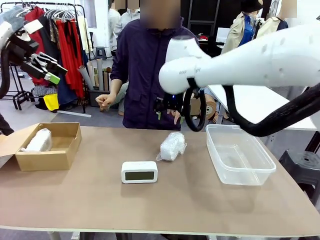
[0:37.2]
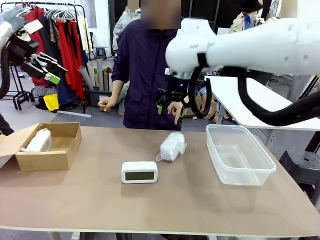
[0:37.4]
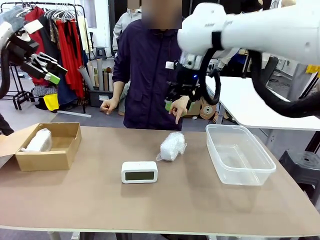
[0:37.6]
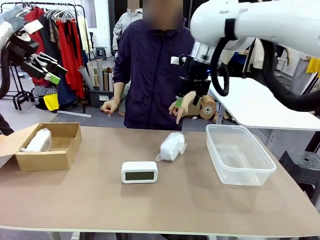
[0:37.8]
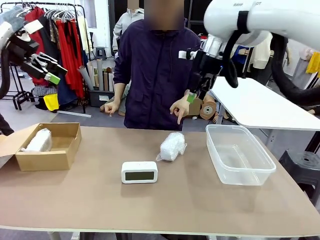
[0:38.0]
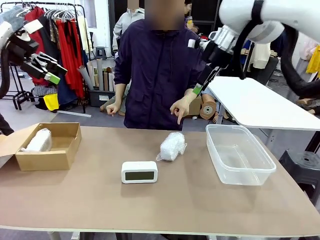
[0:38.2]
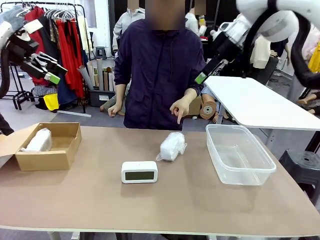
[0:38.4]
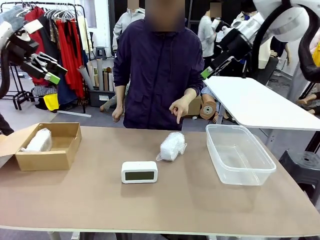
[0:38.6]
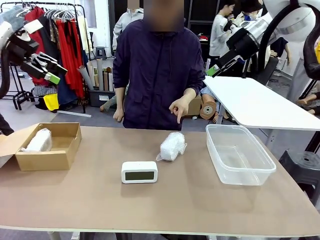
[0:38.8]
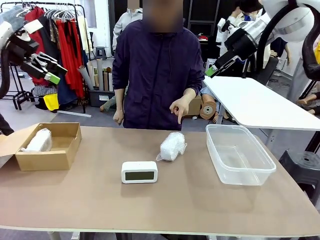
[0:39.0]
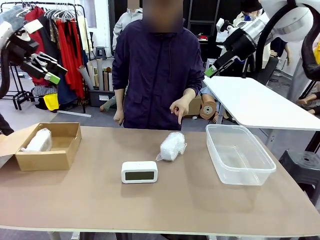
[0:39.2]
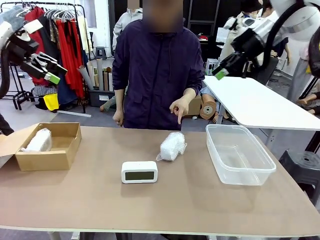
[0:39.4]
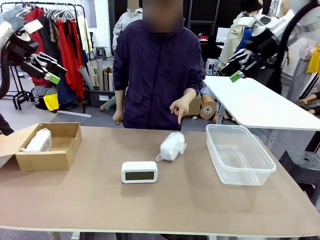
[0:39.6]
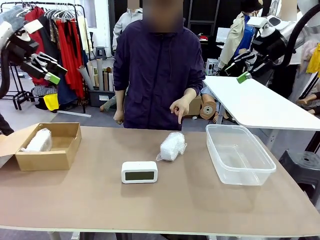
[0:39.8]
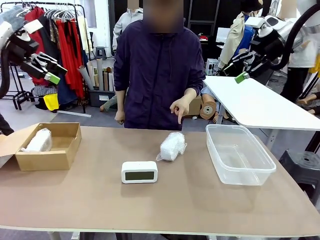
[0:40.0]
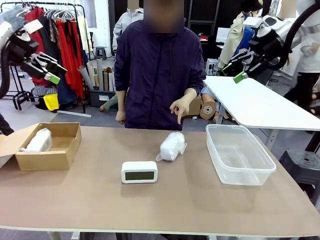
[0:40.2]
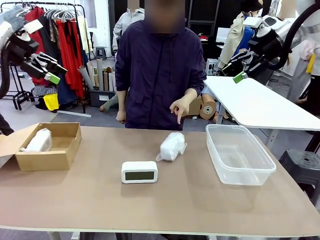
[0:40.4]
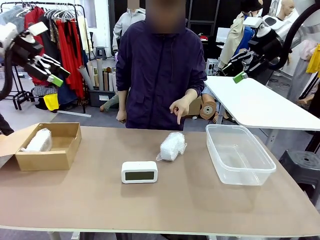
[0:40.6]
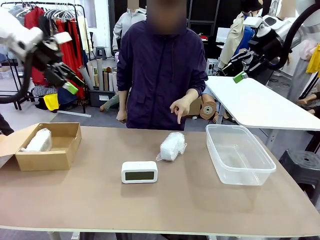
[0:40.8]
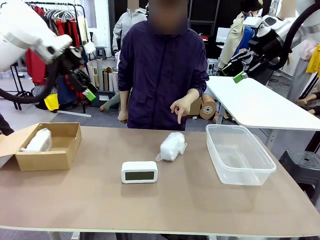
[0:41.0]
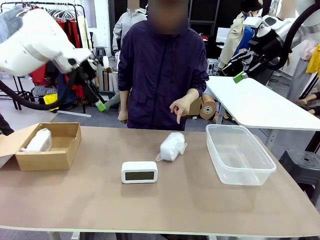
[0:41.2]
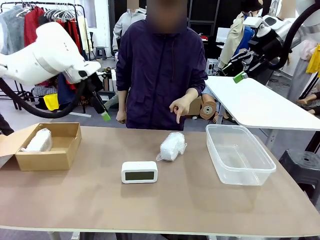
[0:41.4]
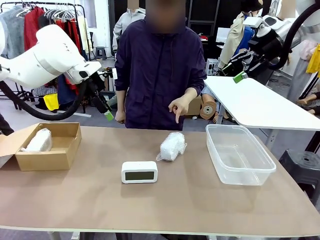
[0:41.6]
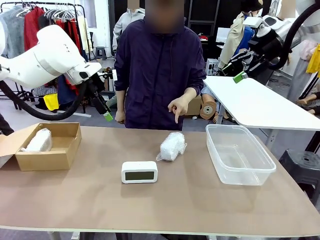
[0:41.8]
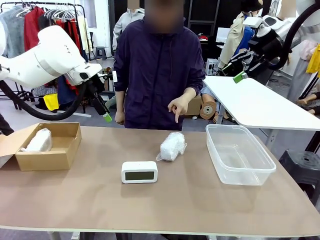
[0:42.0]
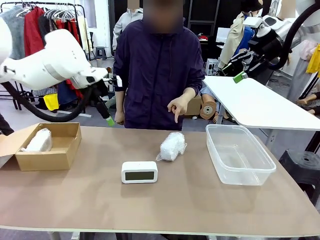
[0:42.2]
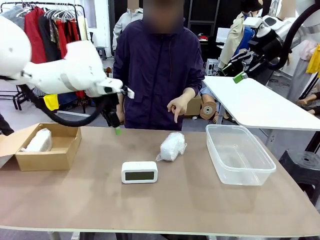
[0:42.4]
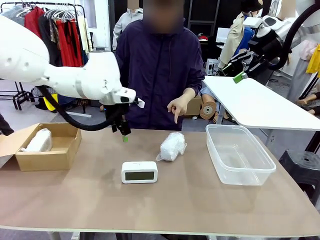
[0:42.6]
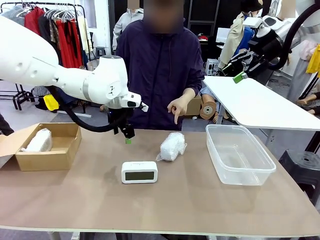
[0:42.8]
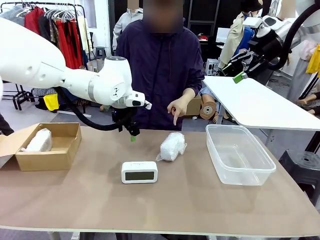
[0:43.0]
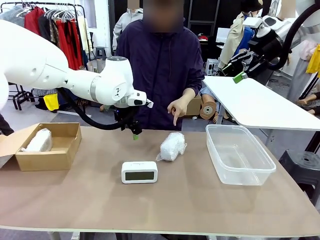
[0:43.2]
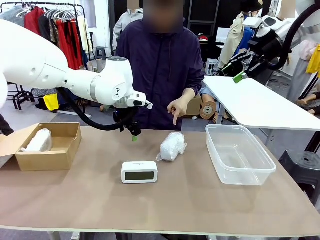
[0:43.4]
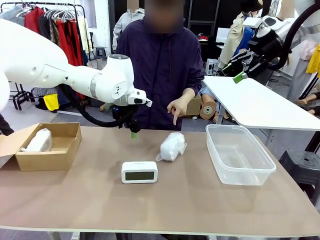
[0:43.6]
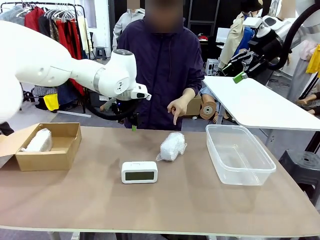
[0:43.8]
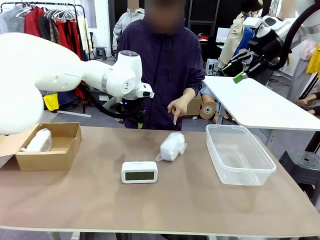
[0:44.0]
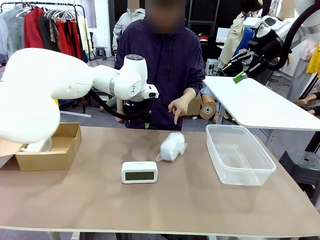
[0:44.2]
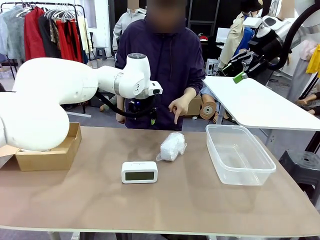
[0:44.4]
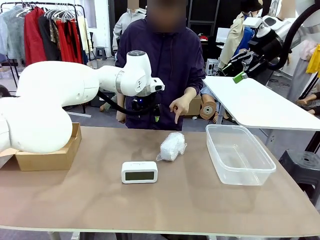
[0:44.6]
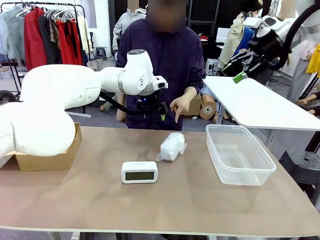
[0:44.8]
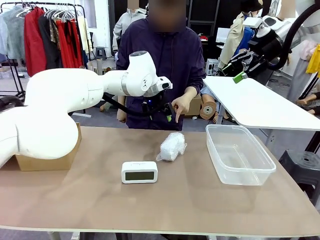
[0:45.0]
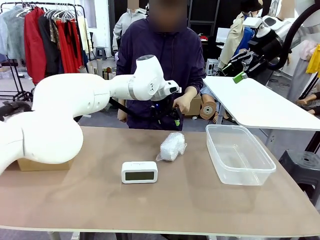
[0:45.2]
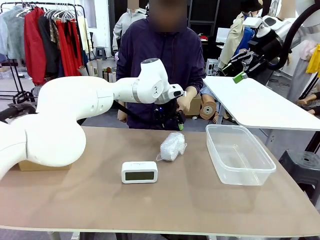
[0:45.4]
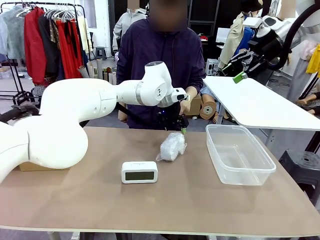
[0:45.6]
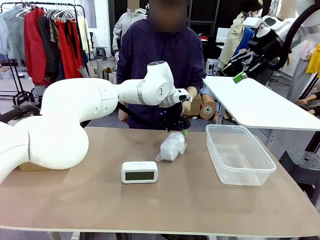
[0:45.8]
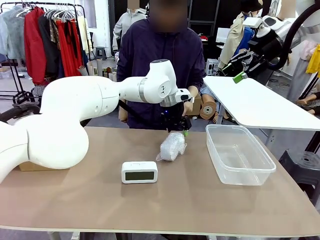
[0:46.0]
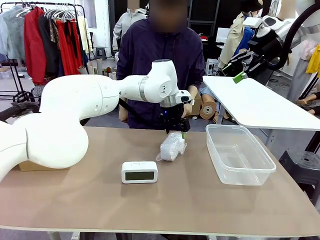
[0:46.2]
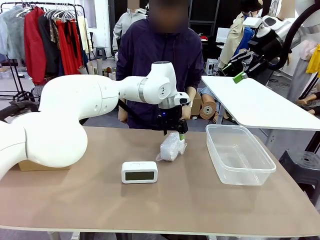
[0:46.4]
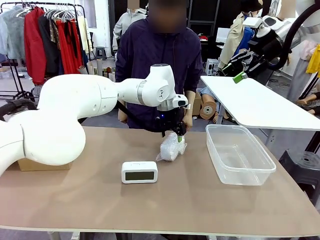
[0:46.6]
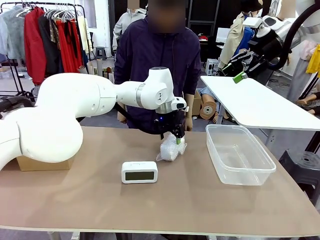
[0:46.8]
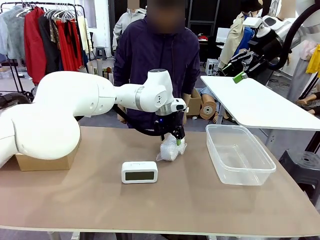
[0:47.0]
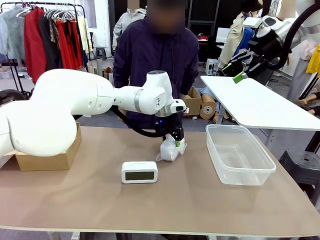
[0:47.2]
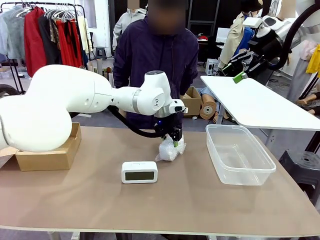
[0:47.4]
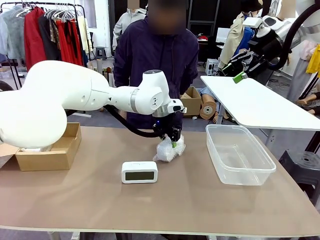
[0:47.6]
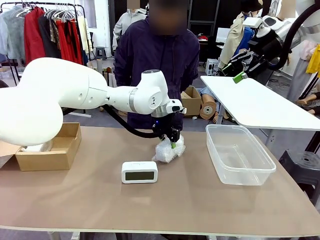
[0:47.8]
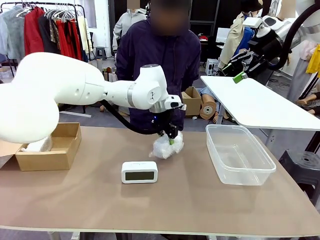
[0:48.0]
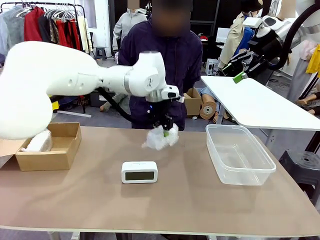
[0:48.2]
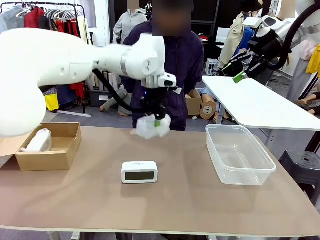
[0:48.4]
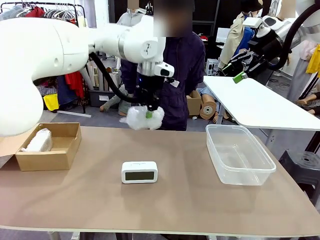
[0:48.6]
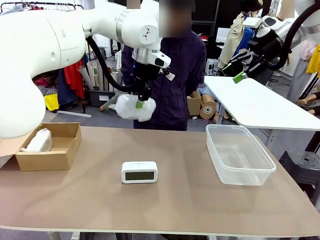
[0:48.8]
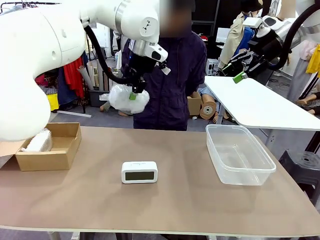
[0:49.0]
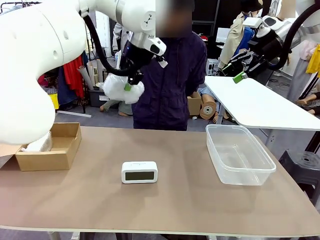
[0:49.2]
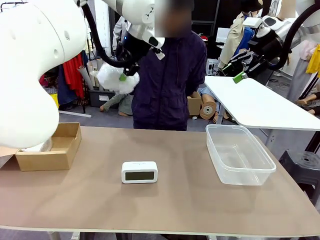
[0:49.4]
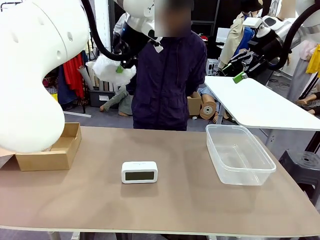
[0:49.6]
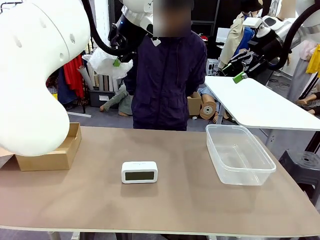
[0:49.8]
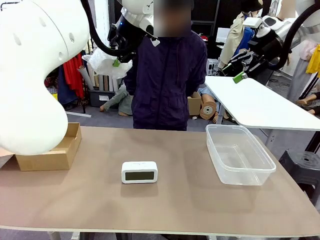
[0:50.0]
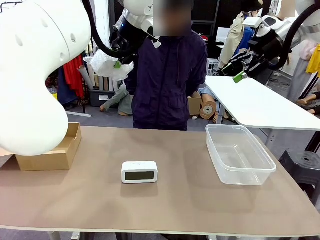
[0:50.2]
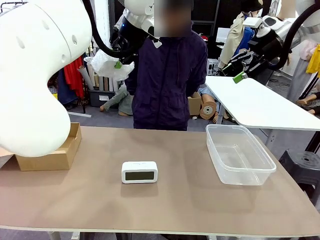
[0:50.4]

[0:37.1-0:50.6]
Task: Separate and place wrapped and unwrapped clocks.
Robot: Pick up the Digital clock indicated by the person.

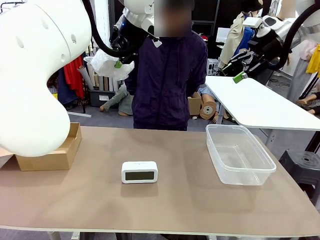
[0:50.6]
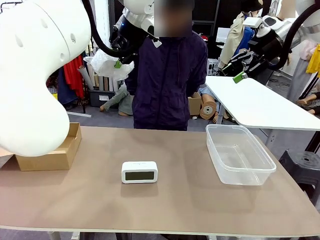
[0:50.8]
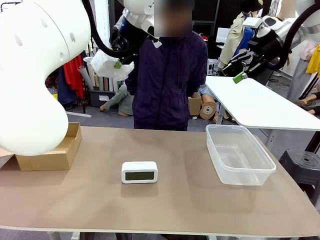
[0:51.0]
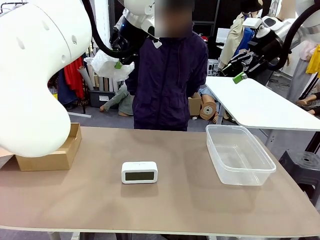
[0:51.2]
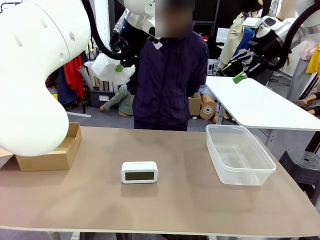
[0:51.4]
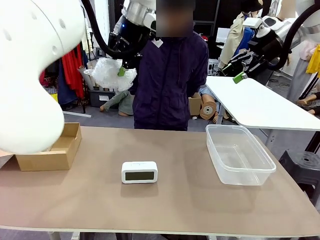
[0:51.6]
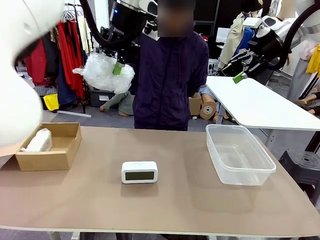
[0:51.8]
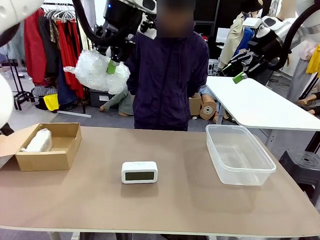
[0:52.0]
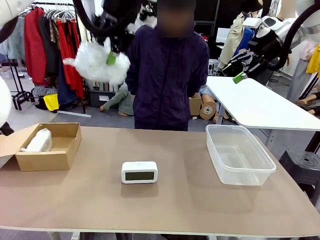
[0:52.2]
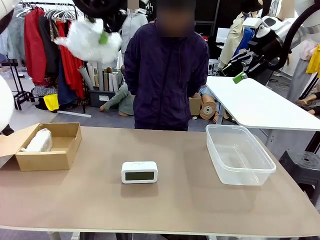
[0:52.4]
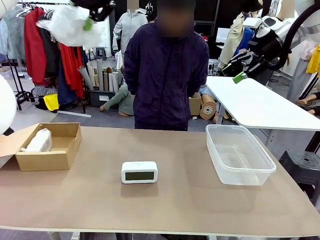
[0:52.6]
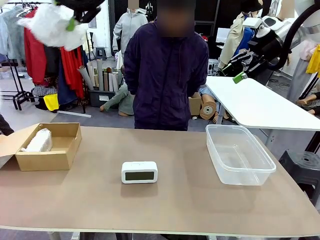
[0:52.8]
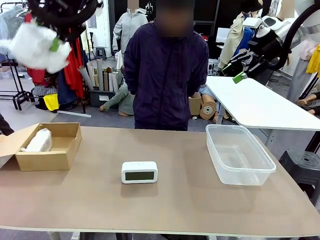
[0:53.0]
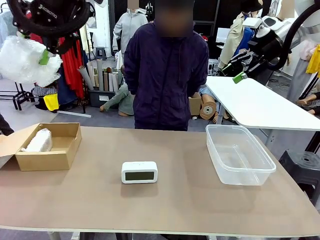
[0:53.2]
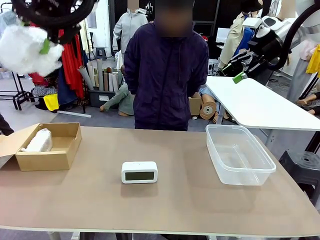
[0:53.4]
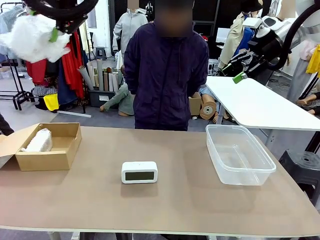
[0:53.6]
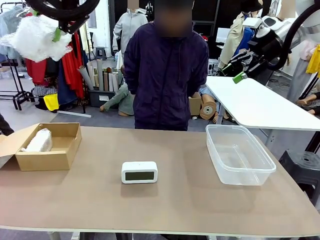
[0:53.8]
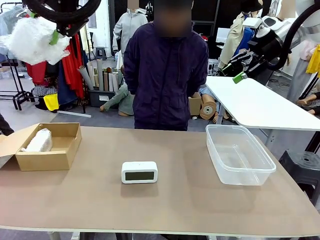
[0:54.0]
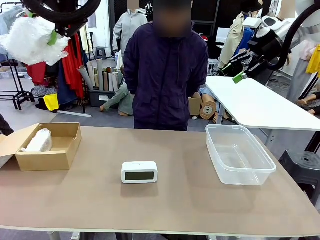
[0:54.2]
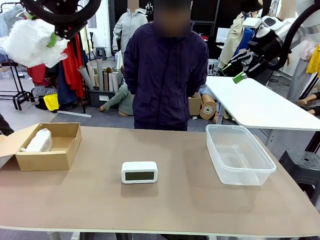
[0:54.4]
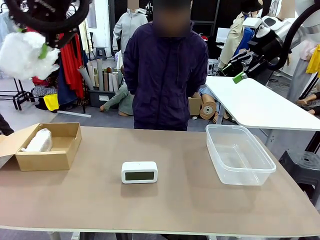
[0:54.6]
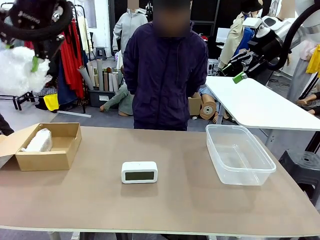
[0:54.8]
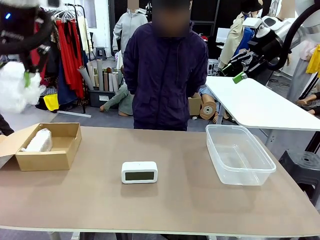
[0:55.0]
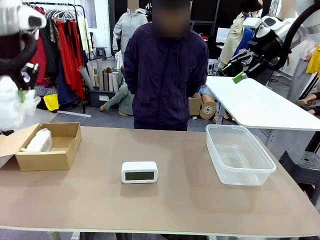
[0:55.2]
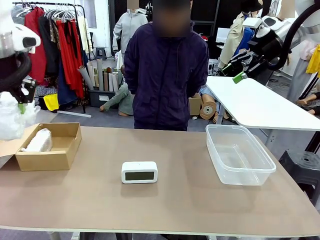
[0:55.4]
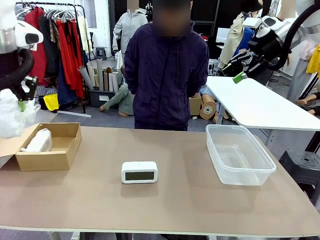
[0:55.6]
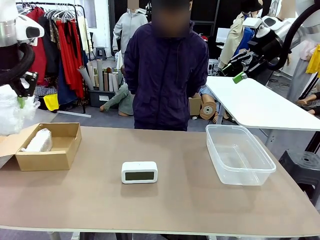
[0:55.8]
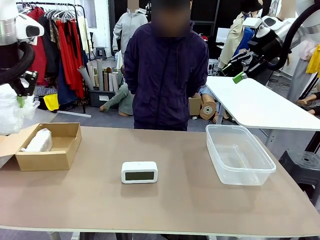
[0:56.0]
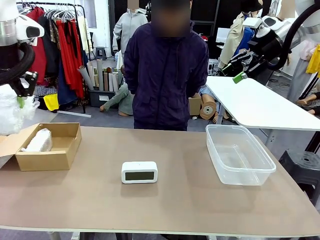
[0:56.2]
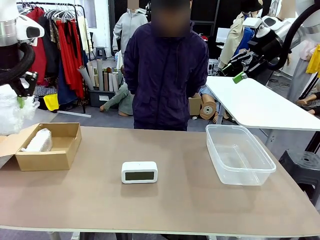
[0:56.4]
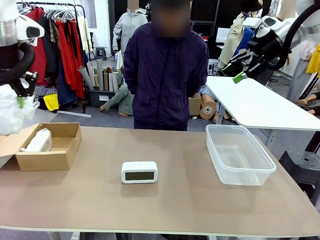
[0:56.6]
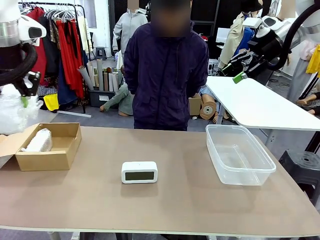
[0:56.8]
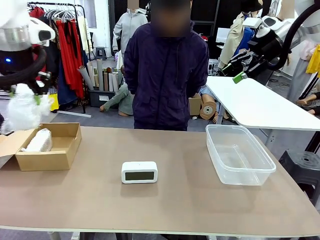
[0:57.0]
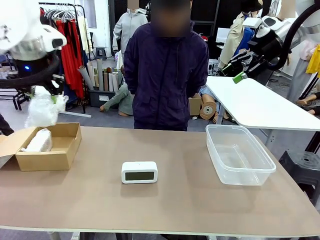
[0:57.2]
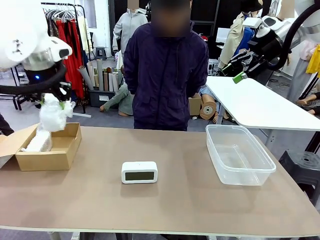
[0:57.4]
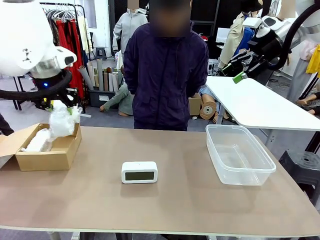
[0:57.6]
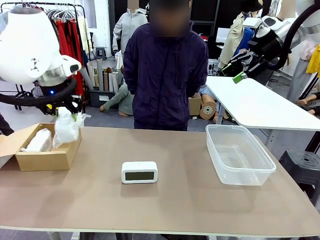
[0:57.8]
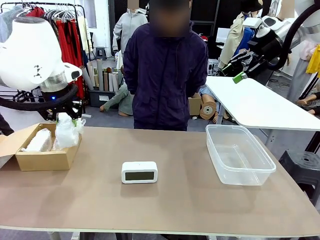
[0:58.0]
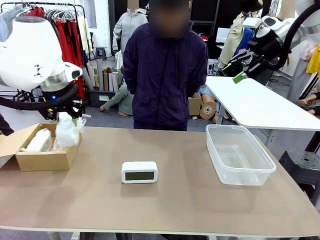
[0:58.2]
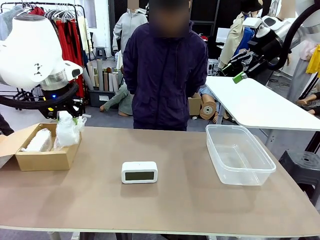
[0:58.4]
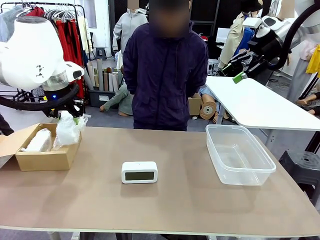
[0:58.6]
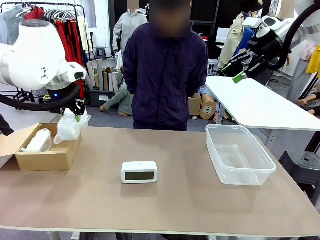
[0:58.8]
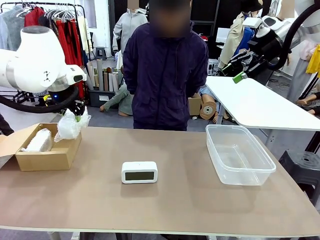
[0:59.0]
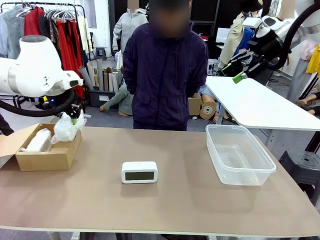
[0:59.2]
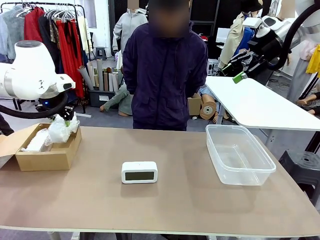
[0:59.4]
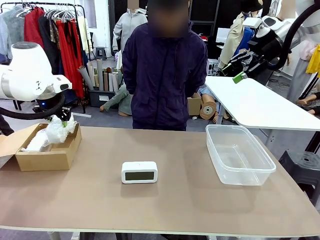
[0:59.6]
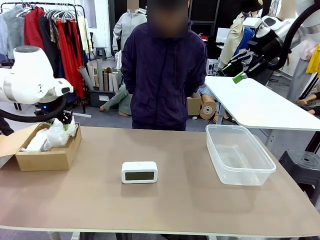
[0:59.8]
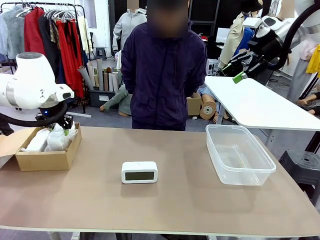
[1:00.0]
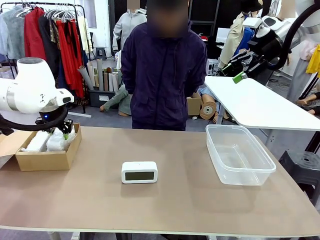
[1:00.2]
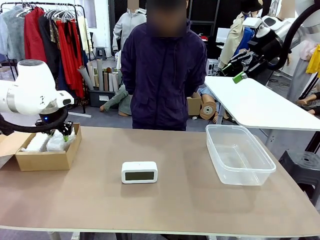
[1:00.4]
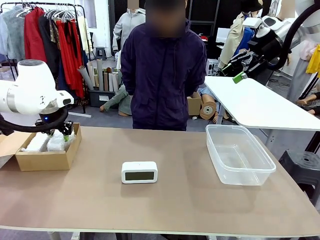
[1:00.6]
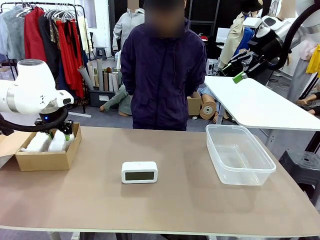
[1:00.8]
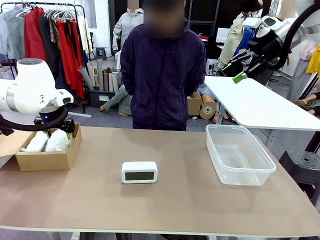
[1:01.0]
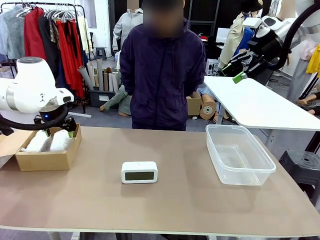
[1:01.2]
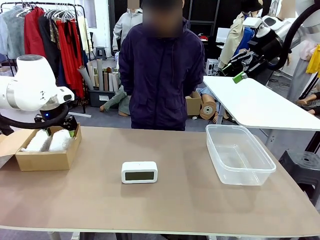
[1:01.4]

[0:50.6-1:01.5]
Robot: If the picked Digital clock is wrapped, place it in the Package Box ; if not, place it in the Organizing box.
